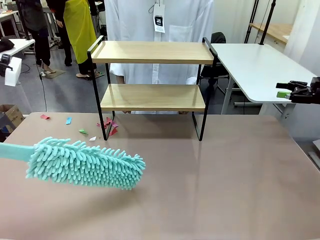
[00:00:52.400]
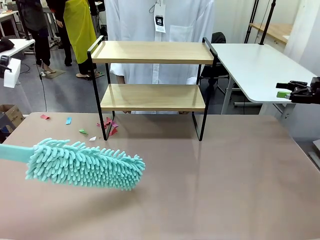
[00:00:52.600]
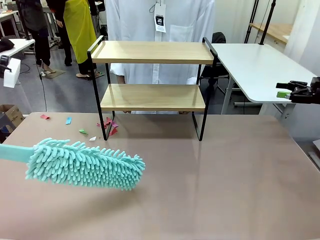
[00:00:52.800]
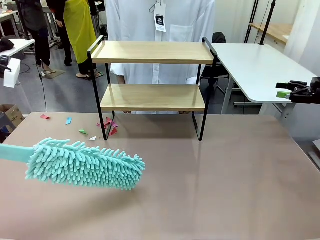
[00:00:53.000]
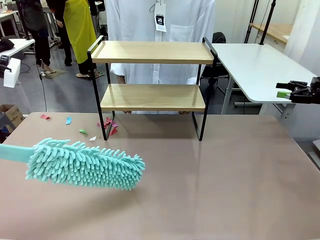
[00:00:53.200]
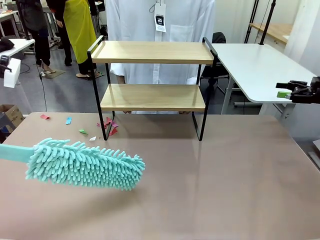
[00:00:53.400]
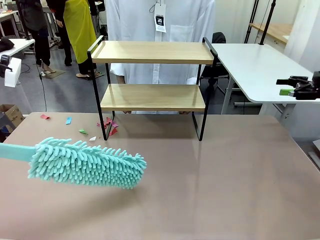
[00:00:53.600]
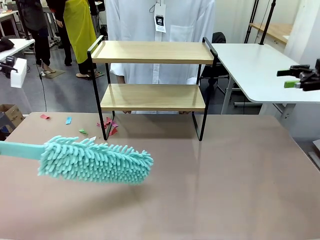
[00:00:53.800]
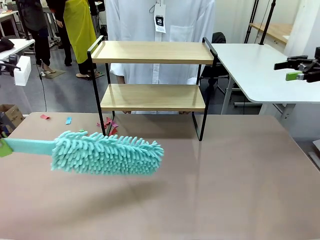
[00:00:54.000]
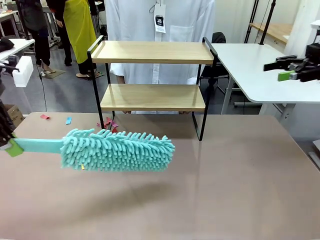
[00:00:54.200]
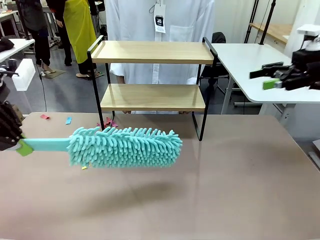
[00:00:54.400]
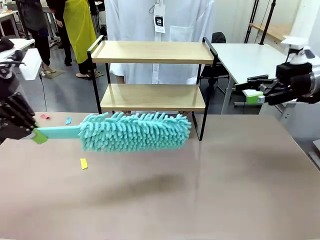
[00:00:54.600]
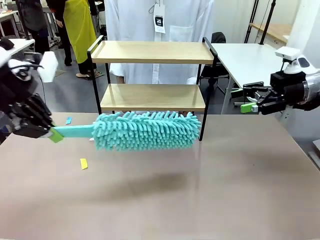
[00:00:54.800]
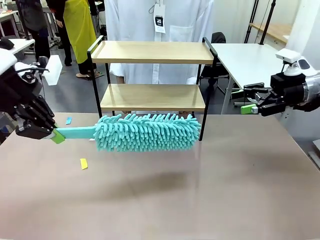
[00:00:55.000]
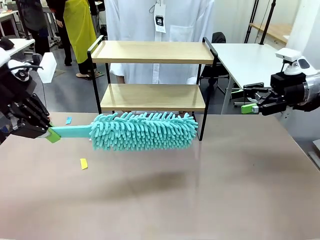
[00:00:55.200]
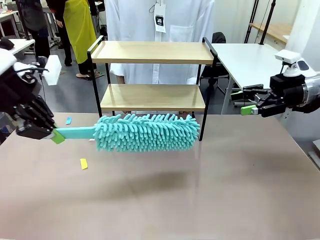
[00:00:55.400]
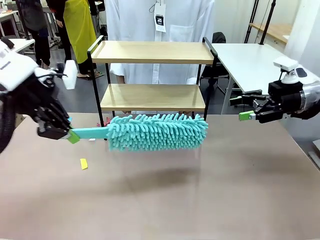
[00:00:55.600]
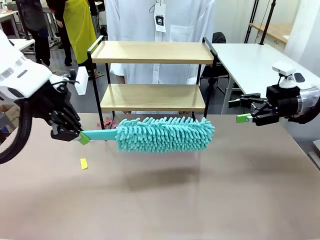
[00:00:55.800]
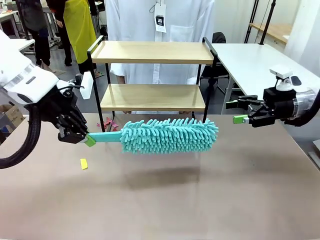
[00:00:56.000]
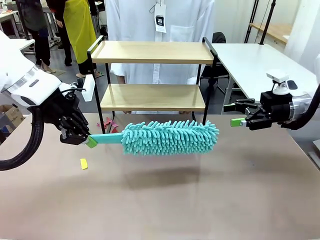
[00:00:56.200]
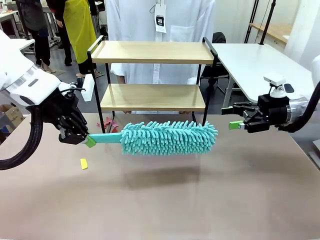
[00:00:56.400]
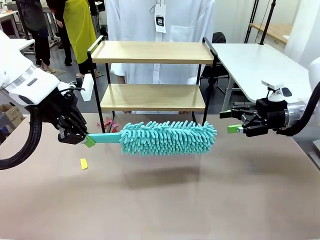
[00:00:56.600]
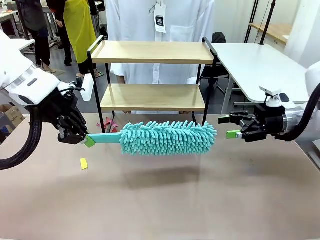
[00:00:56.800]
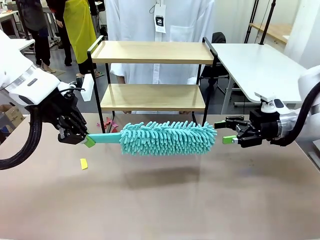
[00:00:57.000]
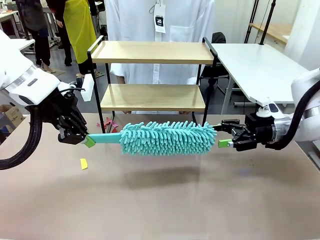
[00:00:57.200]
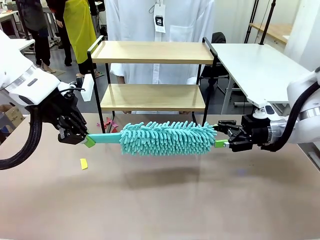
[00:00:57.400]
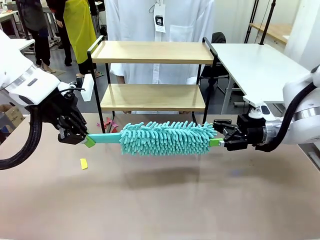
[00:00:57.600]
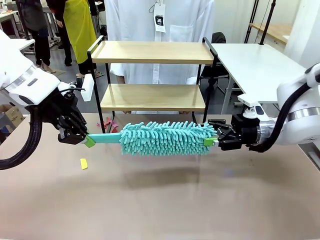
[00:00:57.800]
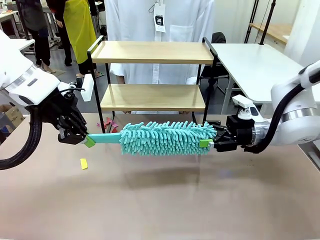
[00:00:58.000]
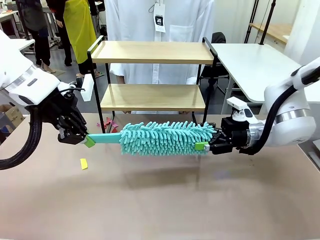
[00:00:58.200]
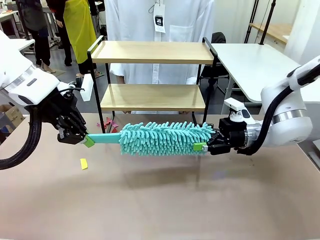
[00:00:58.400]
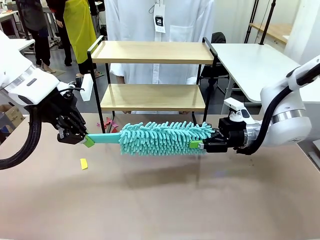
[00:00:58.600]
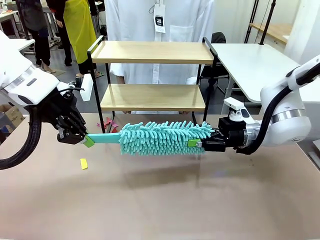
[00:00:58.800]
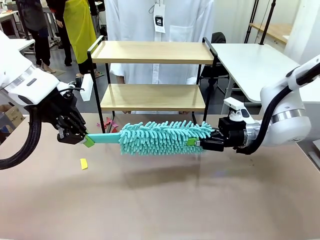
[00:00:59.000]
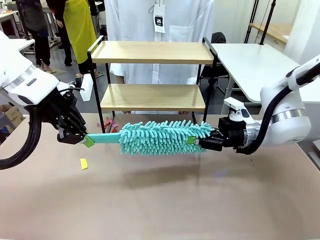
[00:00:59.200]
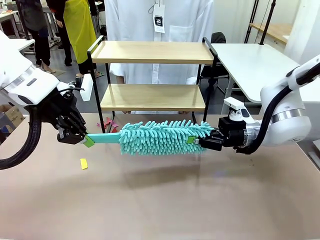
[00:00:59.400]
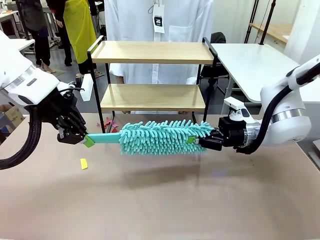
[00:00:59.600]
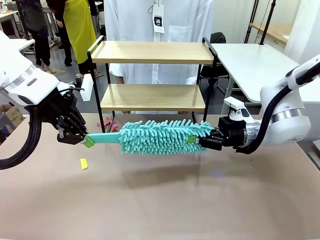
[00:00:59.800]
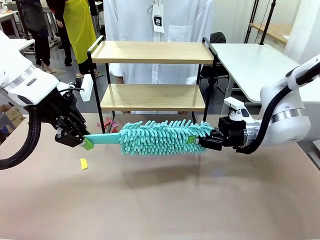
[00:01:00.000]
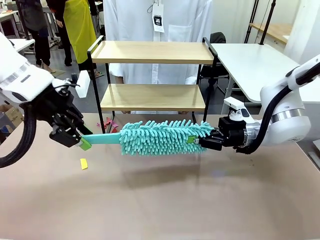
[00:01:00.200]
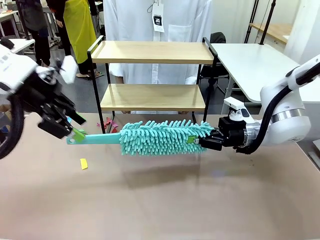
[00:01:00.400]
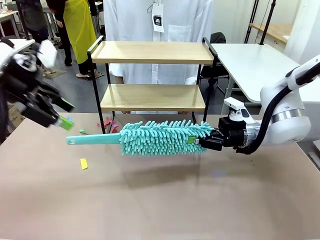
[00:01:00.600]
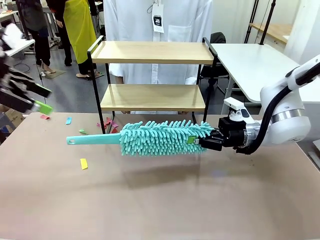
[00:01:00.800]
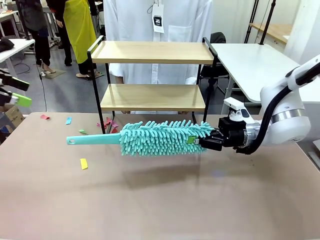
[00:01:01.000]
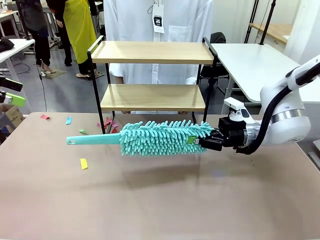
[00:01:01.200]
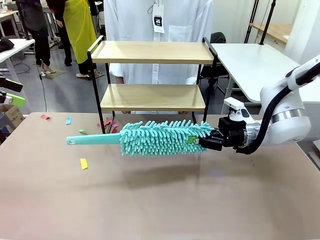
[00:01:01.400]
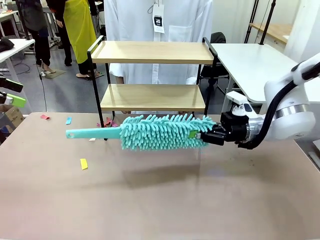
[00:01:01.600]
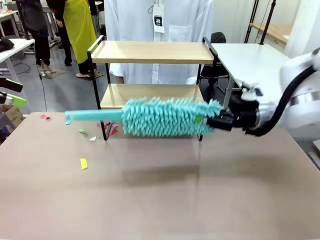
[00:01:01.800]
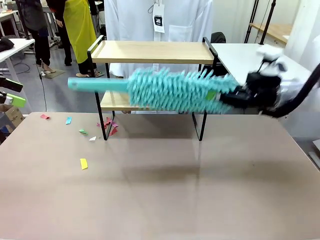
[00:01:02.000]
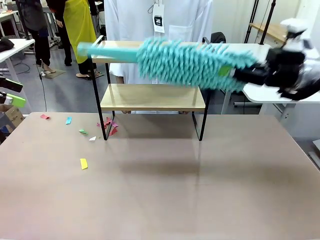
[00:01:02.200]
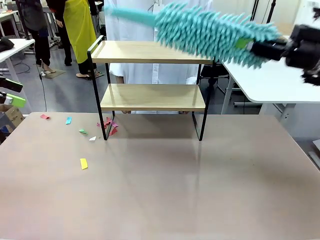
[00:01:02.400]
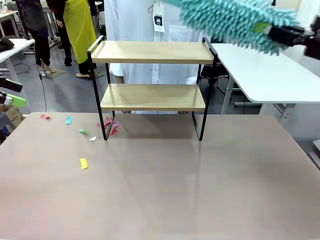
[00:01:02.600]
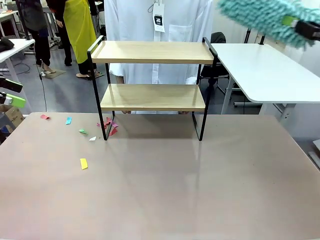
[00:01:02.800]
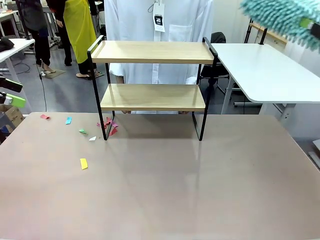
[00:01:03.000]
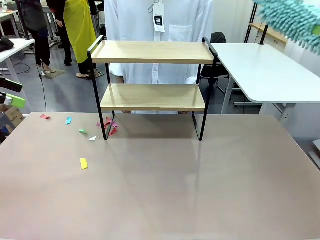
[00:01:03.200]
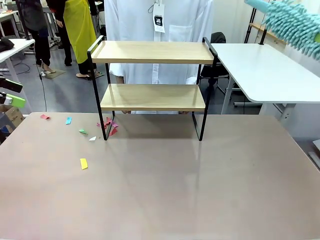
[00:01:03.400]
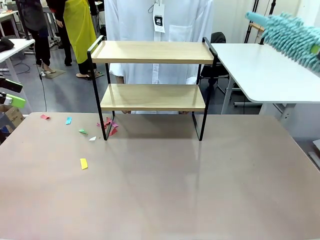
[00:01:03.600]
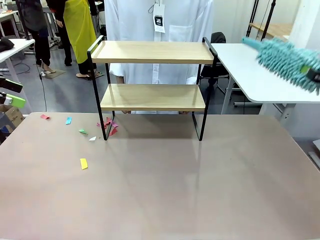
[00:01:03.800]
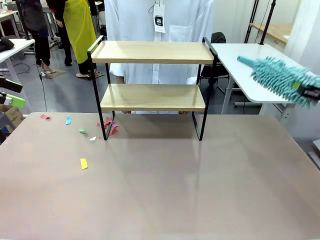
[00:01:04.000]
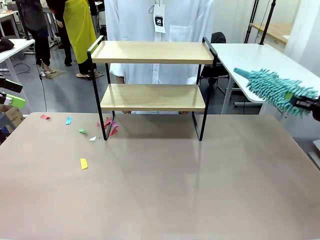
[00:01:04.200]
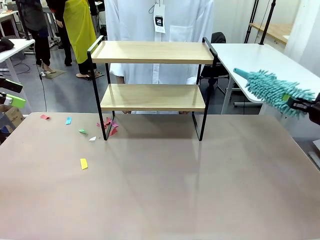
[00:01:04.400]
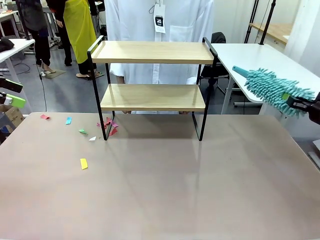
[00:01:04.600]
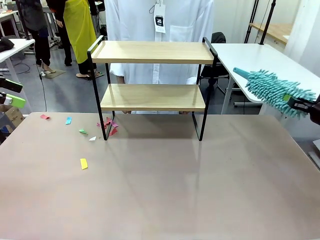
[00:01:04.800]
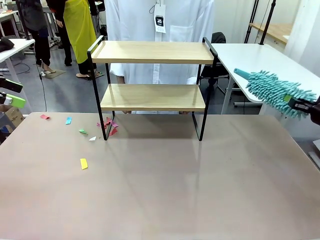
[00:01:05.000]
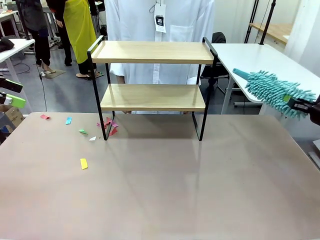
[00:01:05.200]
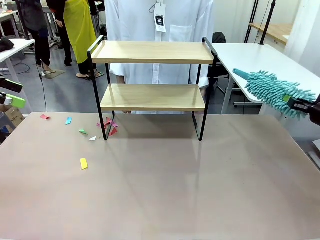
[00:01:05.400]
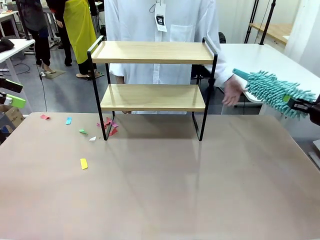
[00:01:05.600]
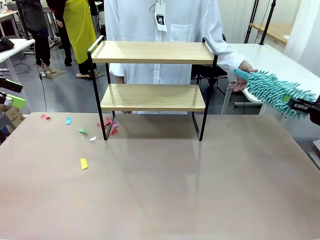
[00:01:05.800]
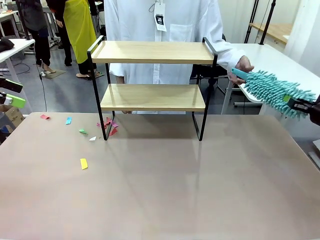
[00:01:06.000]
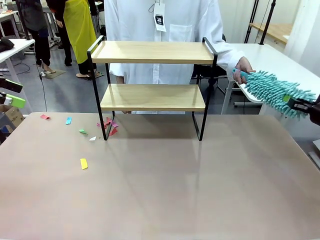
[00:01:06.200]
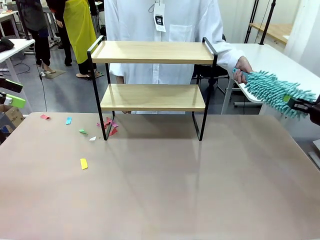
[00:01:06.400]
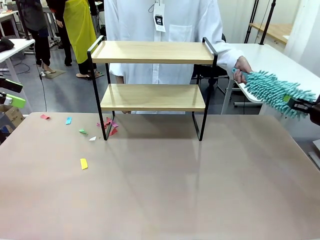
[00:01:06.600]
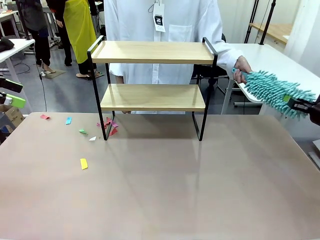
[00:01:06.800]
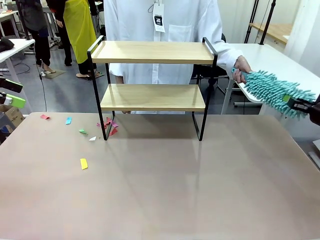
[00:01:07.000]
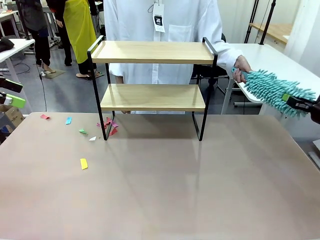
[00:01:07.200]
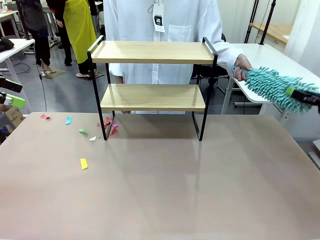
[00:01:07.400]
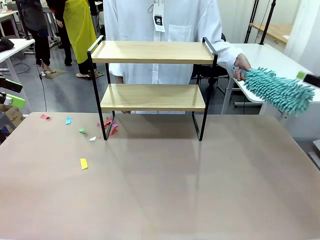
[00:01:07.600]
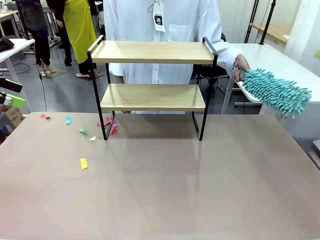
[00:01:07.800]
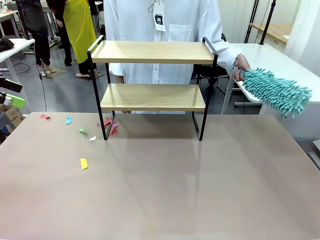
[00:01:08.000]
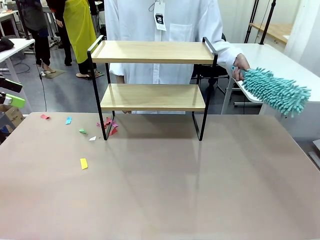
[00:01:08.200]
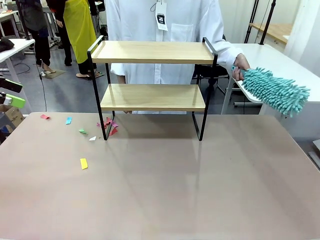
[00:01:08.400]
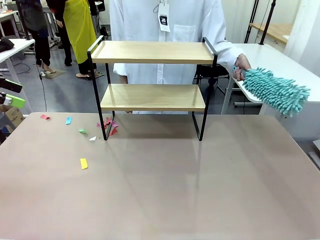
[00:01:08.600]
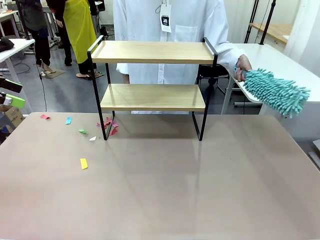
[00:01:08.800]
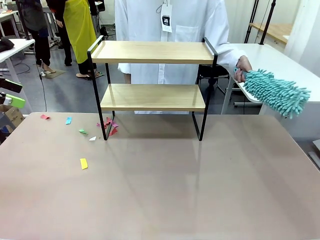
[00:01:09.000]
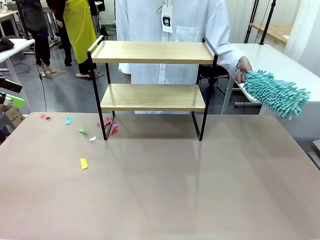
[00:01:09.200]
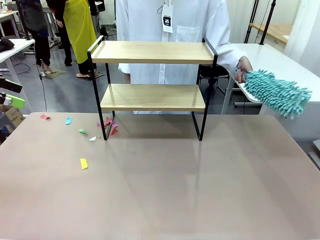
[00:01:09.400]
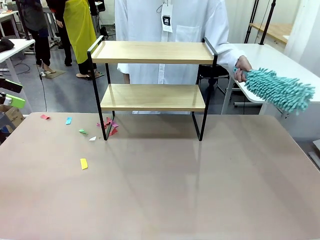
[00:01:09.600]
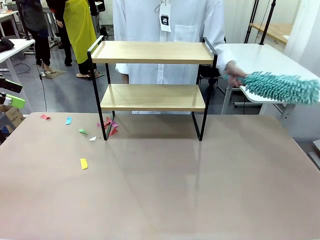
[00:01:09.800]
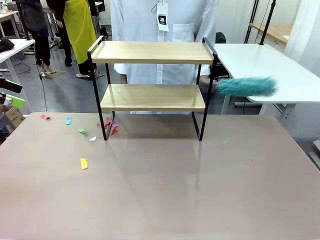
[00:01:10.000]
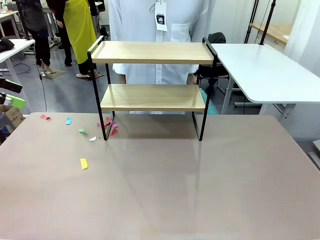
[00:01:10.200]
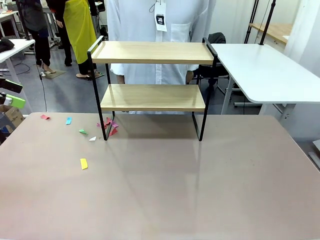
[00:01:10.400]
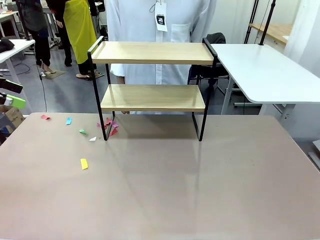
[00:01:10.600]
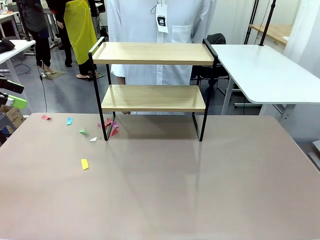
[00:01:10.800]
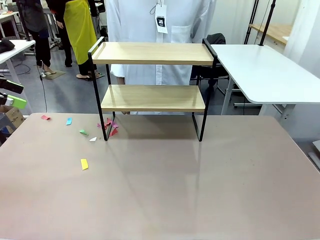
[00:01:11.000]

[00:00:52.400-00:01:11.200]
Task: Clean the shelf.
Robot: Hand the Duster back to the human.
Person: Receive the Duster from the robot.
